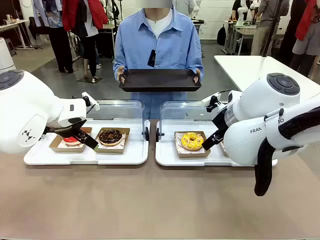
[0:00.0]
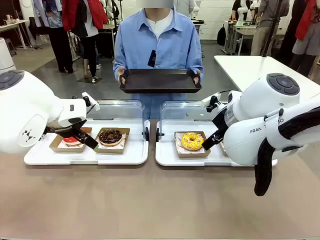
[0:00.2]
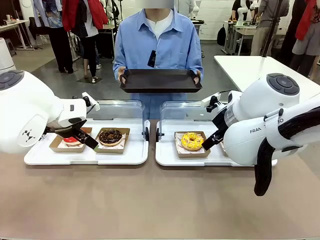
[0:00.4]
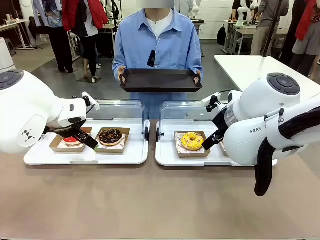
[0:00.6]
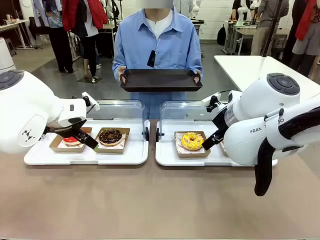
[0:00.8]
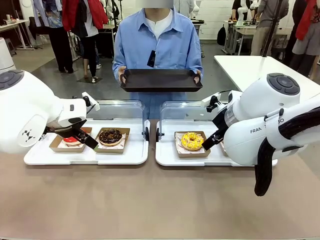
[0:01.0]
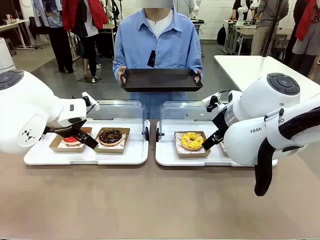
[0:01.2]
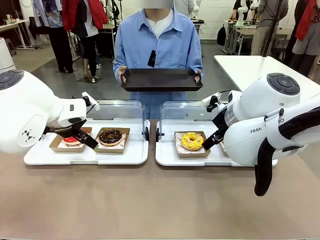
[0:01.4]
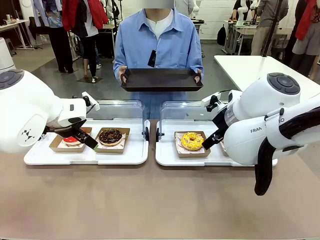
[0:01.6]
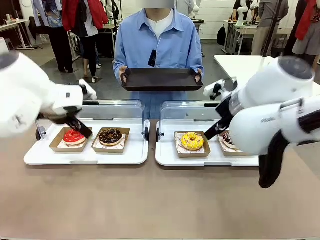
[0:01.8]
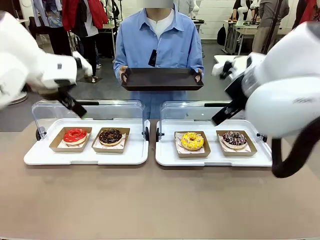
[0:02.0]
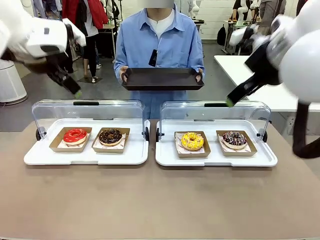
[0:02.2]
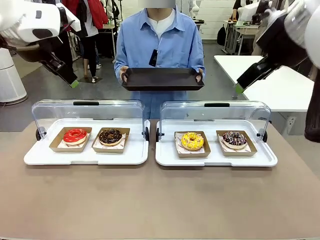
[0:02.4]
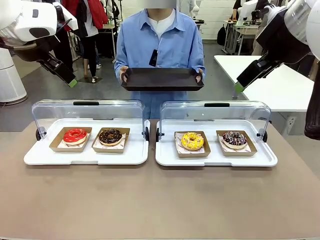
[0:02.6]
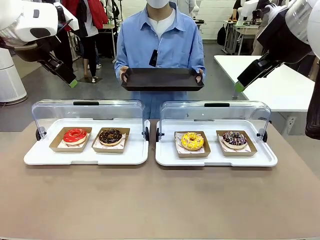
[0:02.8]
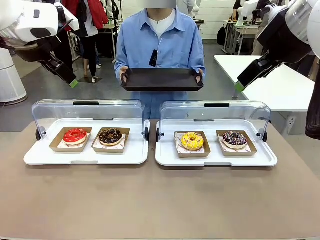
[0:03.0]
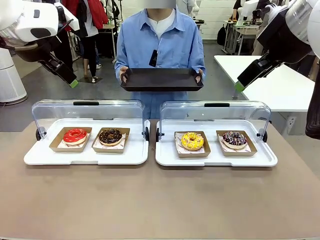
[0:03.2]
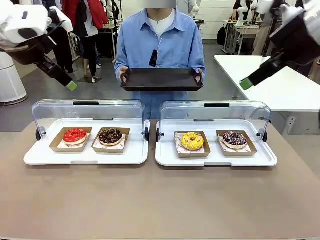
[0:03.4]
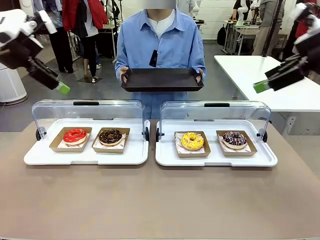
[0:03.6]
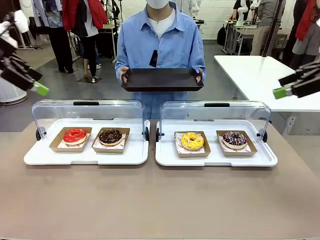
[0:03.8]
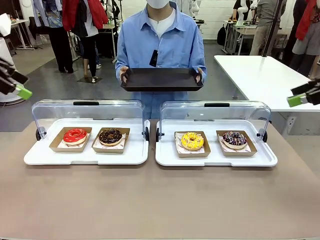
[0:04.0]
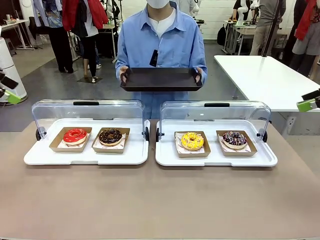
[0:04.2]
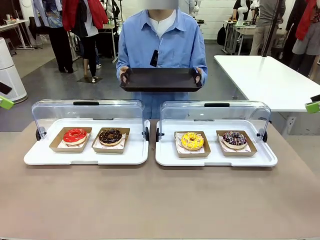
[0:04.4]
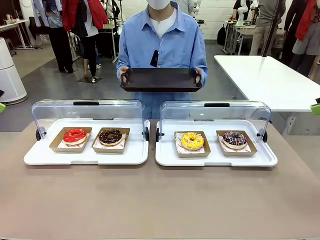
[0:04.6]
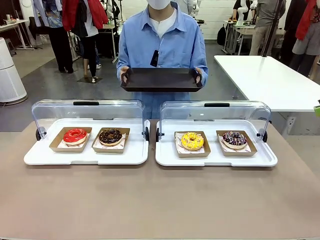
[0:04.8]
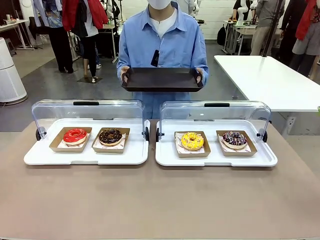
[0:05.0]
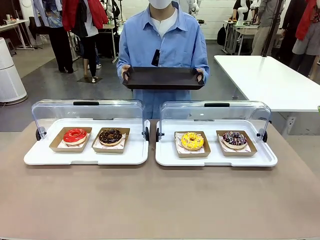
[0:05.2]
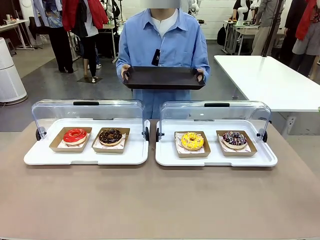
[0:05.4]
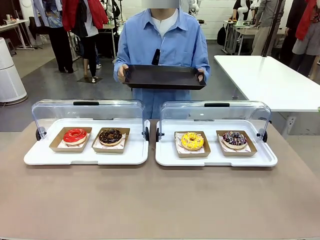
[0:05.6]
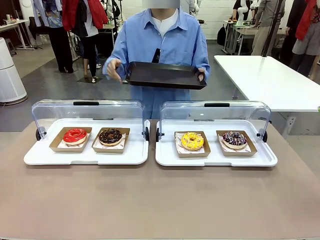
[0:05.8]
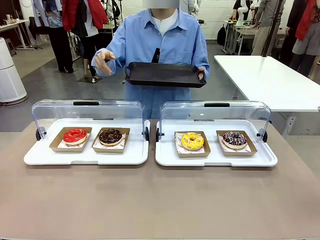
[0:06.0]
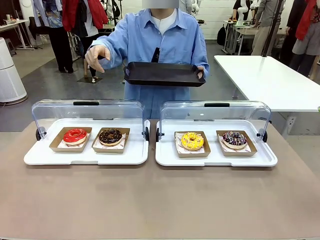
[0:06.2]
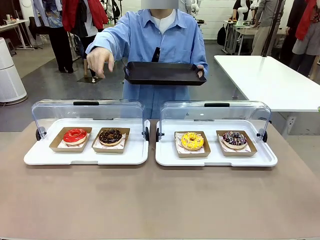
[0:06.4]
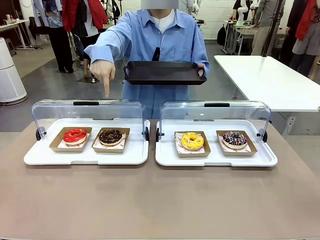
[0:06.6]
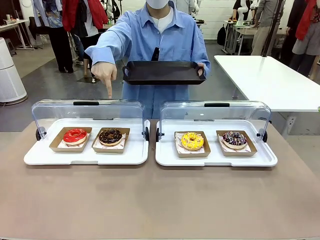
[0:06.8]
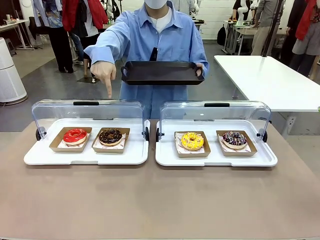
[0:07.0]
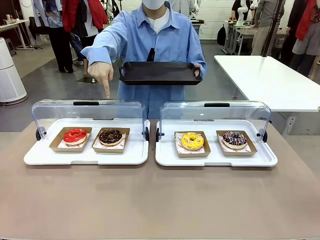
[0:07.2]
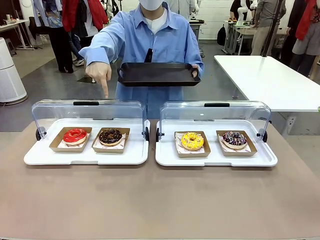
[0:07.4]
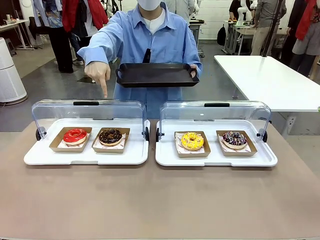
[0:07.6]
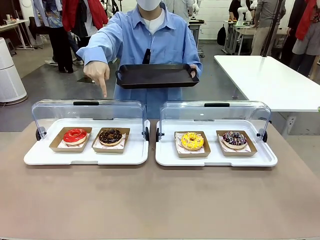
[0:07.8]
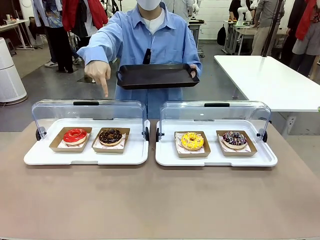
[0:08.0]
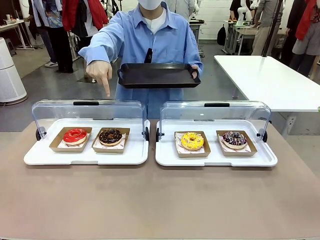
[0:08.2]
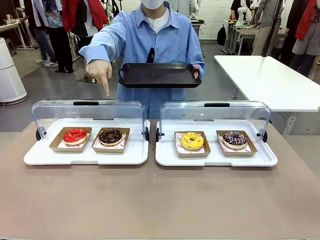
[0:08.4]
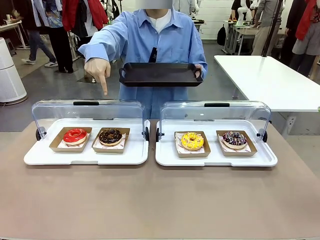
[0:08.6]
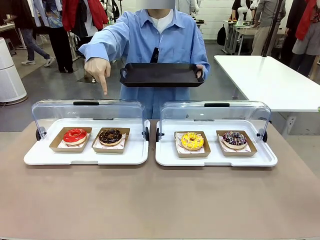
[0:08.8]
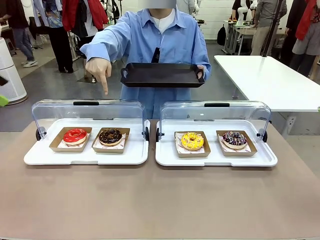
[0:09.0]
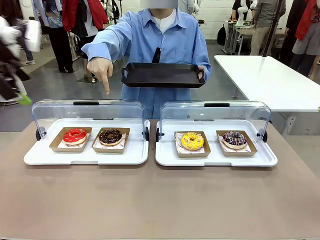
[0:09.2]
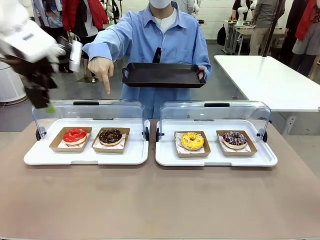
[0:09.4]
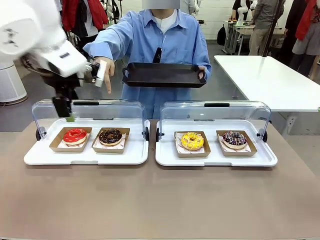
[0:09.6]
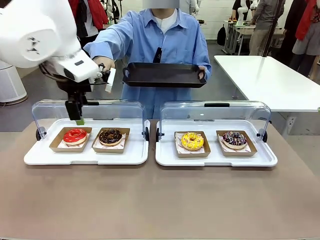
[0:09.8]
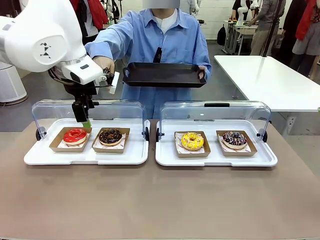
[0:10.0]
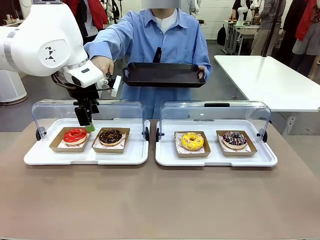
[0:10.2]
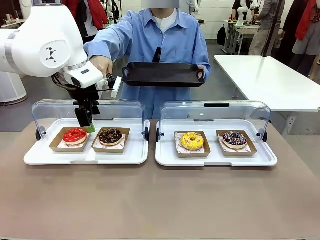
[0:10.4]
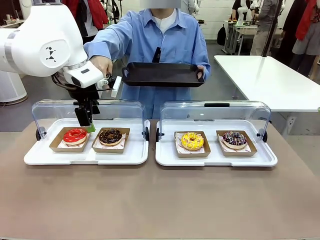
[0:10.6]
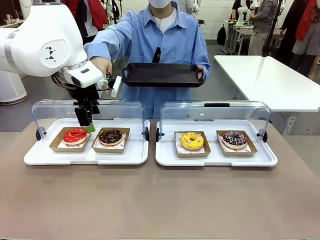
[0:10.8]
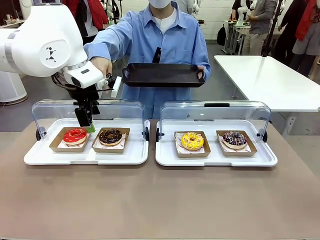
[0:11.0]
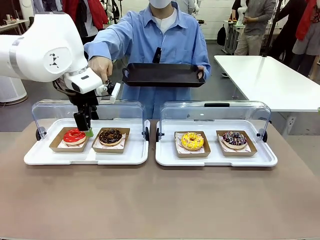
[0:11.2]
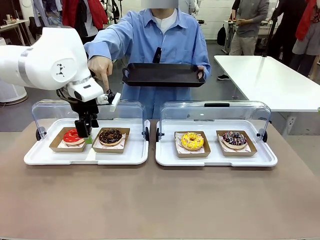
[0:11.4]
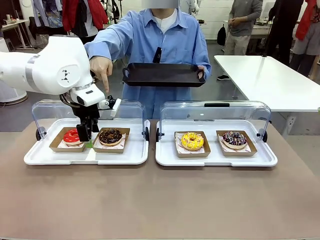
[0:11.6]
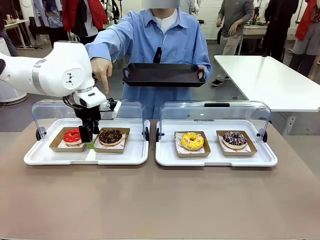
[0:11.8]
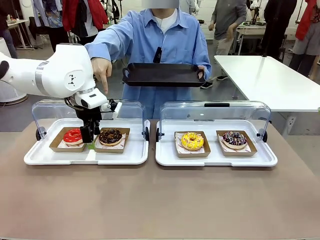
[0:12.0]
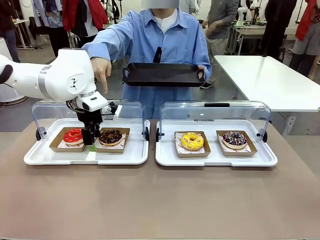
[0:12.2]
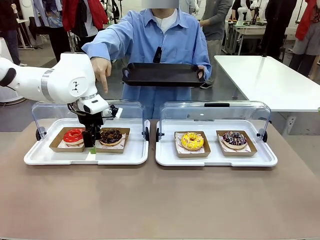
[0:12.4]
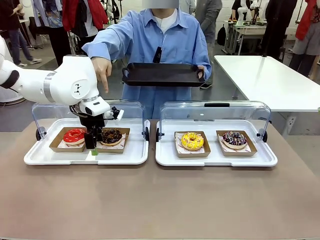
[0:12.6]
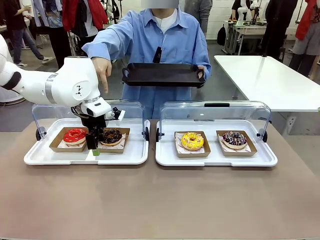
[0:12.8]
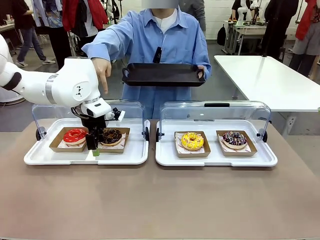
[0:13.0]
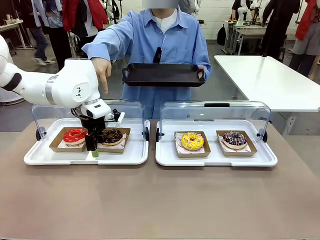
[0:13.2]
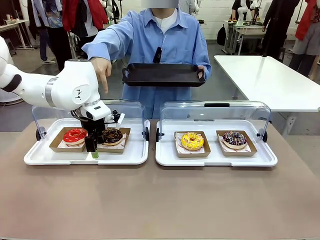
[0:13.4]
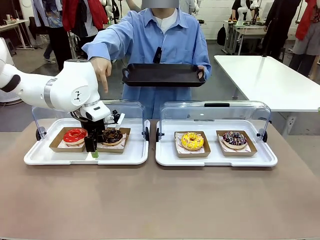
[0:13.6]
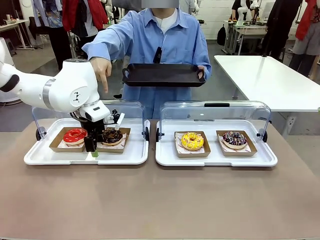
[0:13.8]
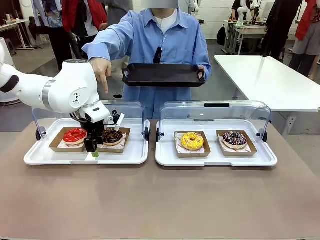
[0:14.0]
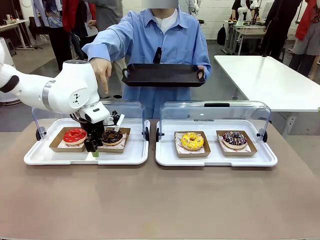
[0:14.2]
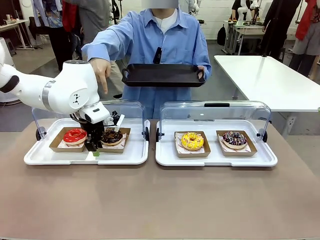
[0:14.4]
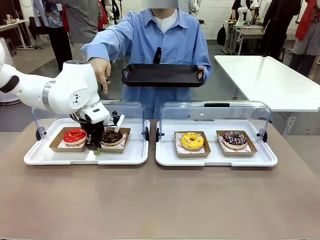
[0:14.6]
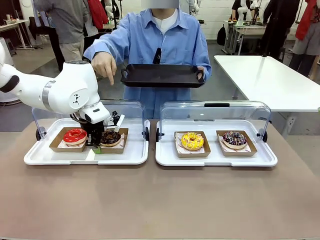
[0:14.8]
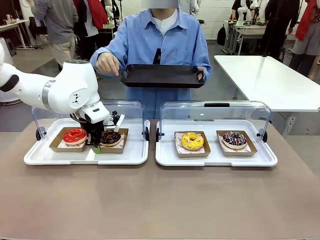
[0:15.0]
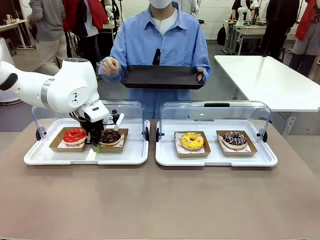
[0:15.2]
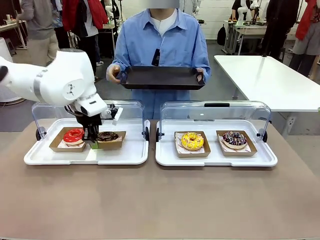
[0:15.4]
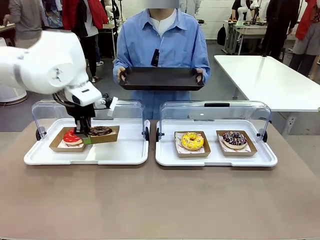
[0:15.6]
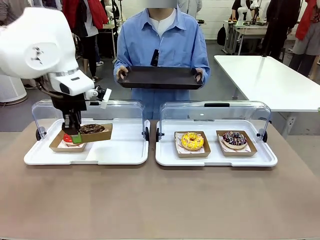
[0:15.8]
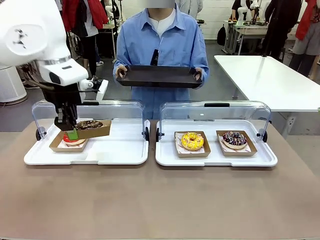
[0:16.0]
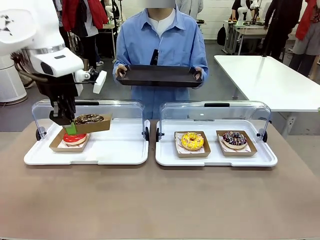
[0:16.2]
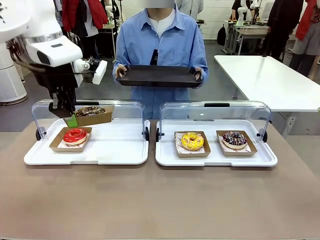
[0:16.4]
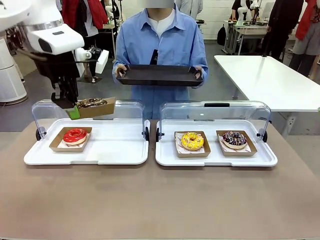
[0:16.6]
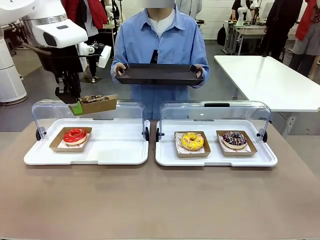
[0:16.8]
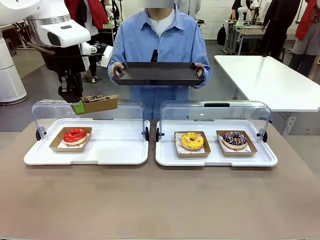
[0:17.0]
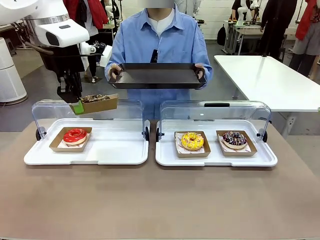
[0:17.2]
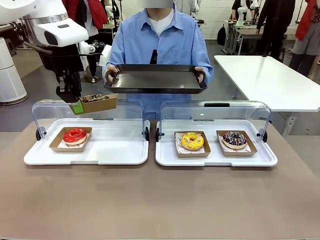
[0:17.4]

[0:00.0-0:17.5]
Task: Provide the desired donut to the person.
Robot: Pick up and lift the Paper togo box containing the Donut pointed at by the person.
Person: Point to one donut. Lift the tray onto the Roll-Top Bakery Case.
